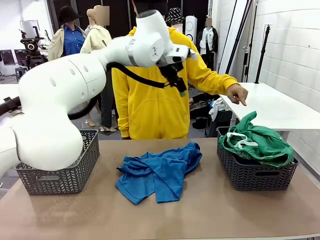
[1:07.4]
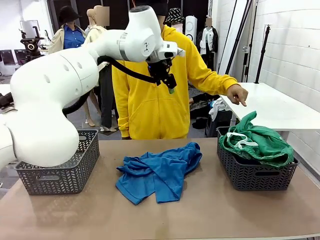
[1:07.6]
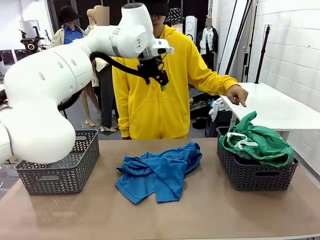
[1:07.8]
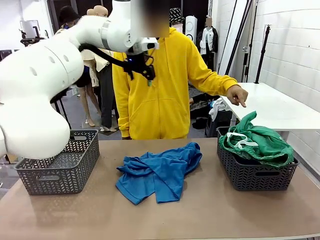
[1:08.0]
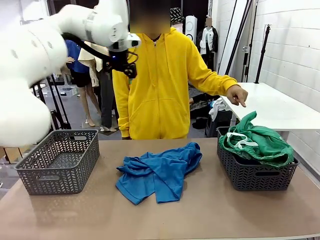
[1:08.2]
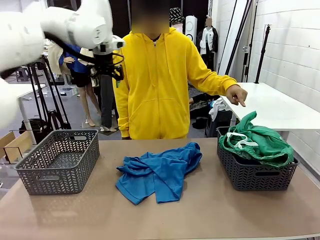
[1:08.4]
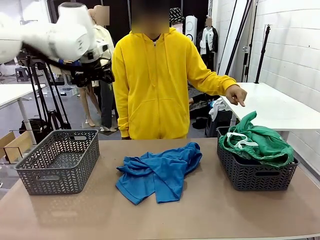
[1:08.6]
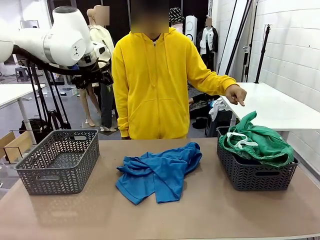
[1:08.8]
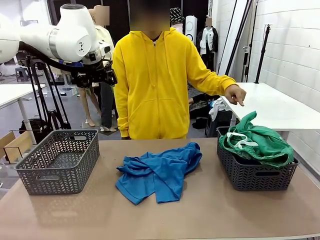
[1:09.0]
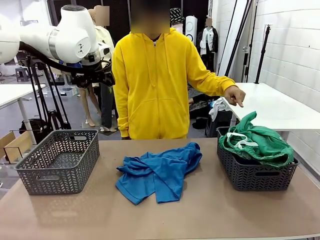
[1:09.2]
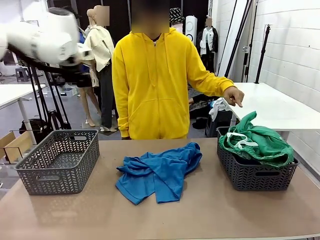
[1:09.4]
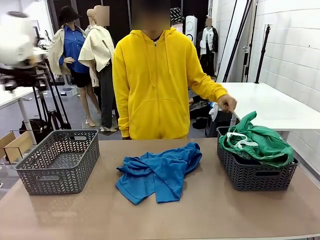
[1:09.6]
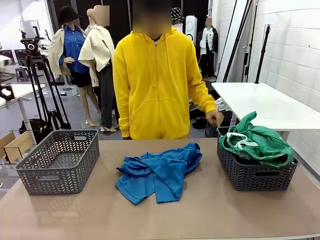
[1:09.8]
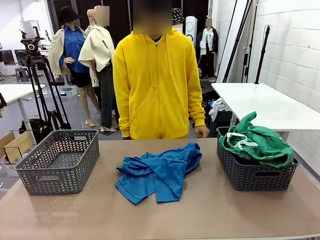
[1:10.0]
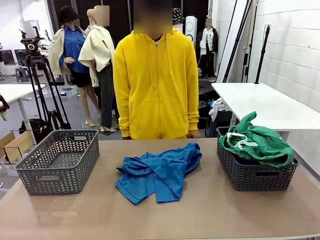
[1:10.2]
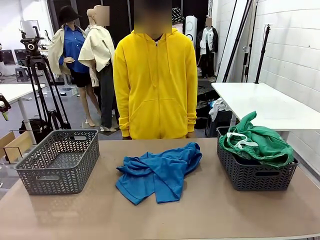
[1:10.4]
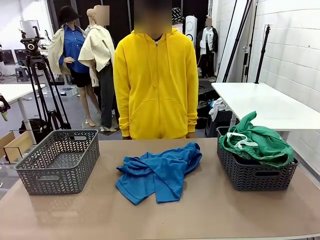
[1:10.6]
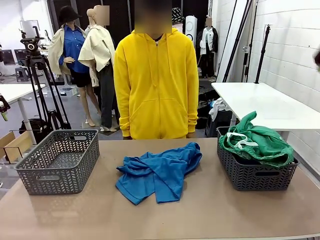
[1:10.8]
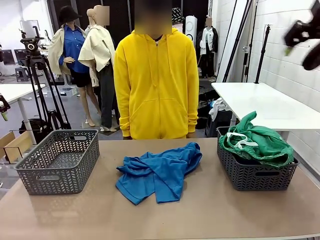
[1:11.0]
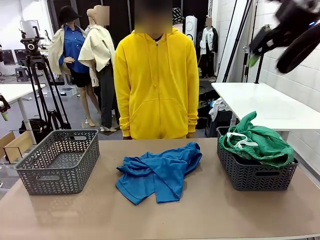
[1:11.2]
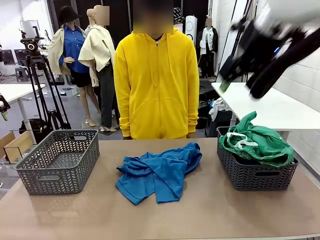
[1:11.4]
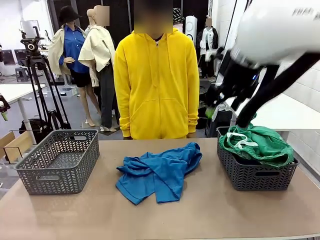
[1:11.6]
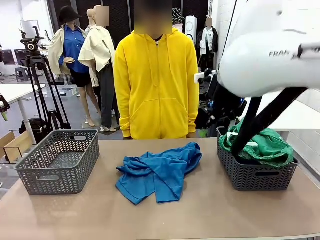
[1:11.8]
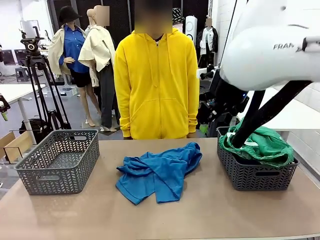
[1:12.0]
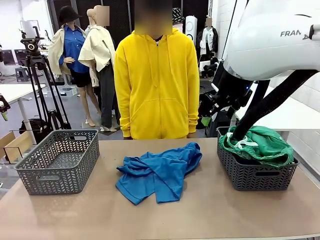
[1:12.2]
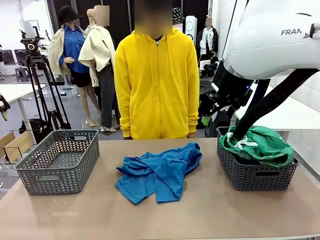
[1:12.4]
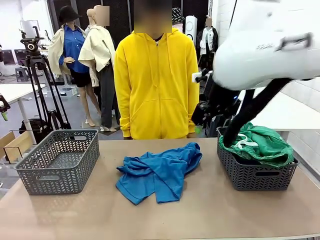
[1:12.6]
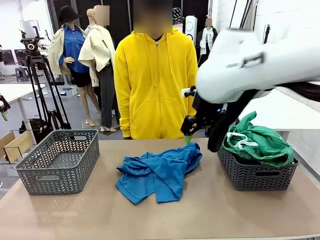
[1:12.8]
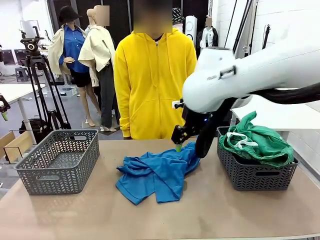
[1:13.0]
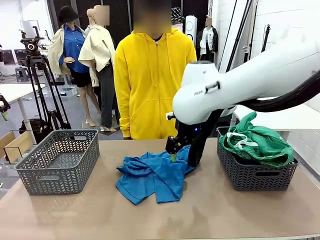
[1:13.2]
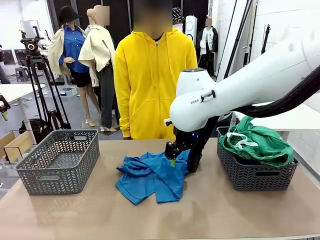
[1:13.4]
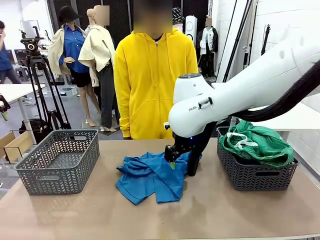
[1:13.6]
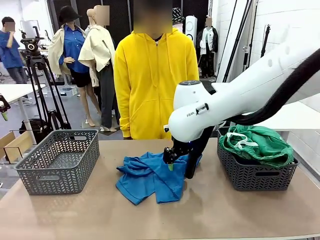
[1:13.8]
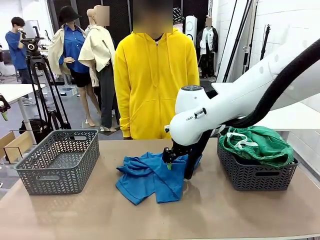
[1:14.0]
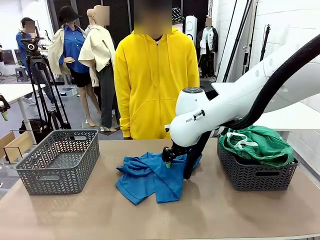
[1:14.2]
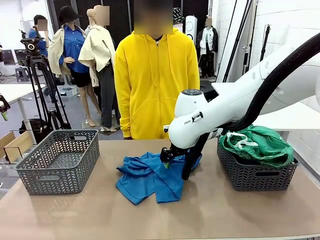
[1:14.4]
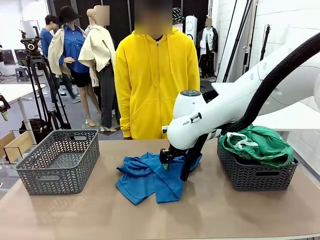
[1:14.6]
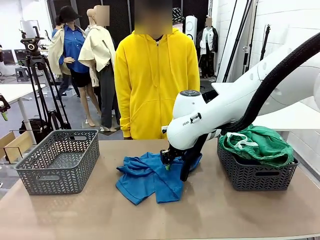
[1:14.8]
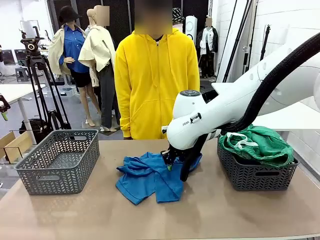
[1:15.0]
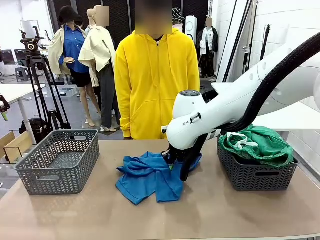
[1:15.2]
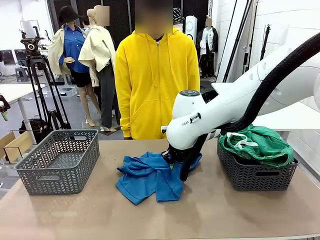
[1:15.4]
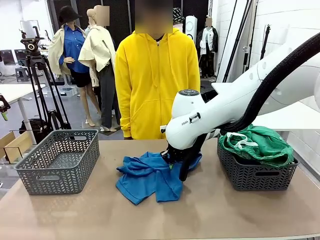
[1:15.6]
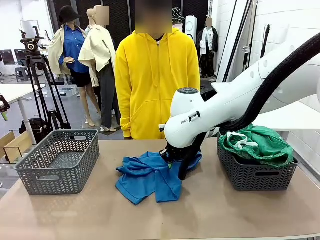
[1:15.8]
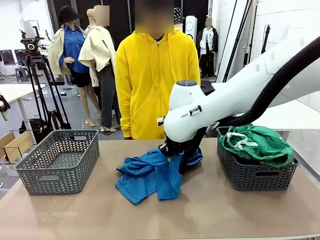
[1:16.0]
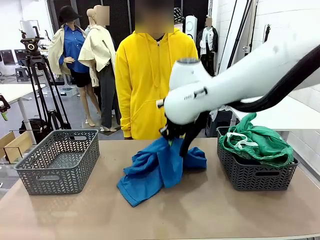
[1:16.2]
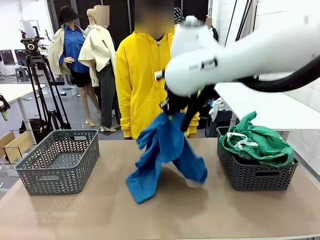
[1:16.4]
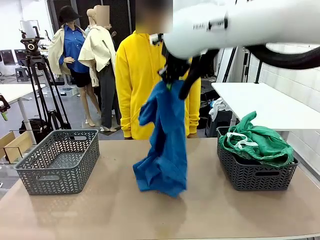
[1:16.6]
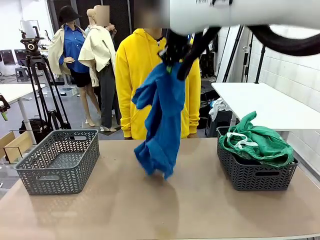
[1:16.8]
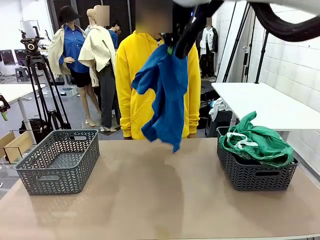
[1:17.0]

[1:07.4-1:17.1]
Task: Sort the tops and bottoms.
Robot: Lift clothes from the center of the table with your right hand.

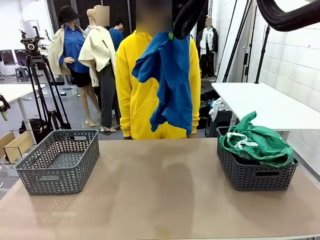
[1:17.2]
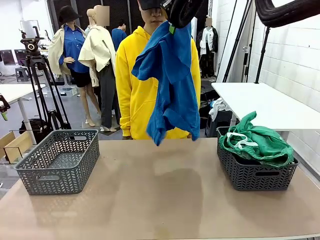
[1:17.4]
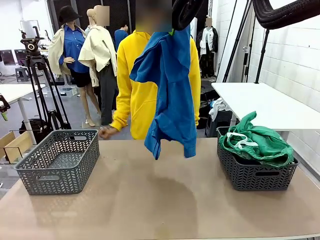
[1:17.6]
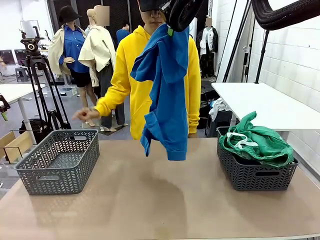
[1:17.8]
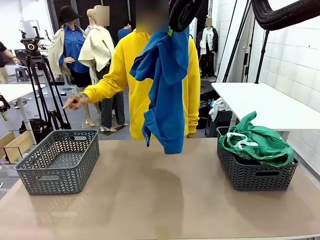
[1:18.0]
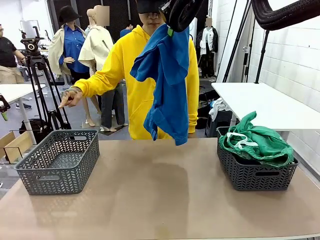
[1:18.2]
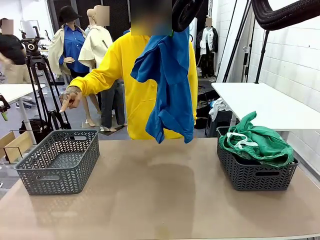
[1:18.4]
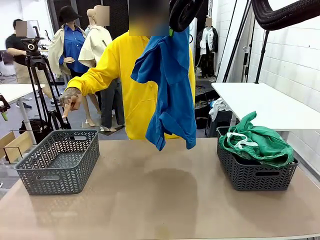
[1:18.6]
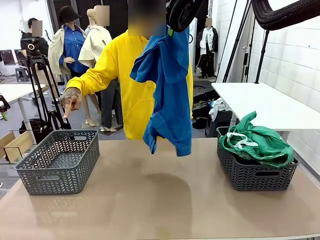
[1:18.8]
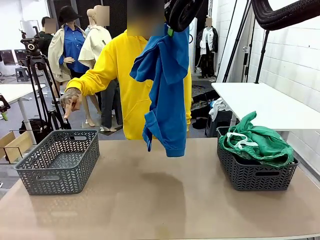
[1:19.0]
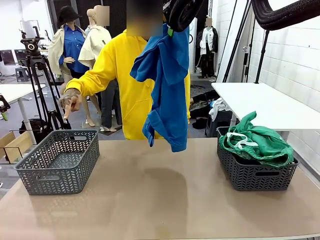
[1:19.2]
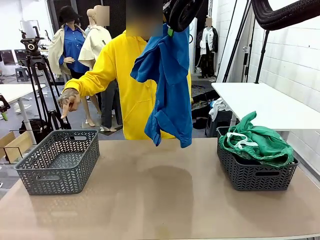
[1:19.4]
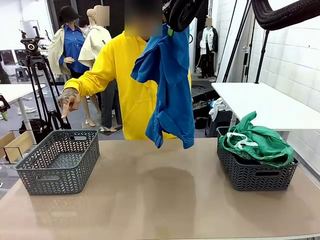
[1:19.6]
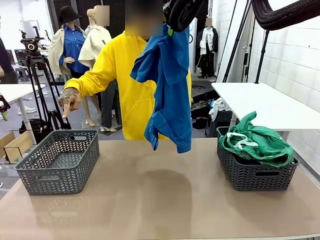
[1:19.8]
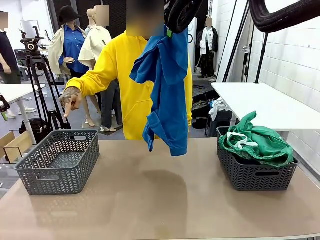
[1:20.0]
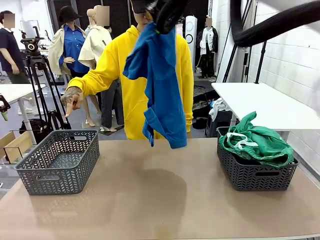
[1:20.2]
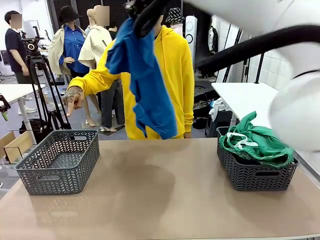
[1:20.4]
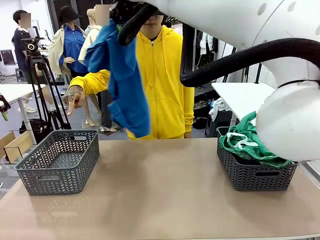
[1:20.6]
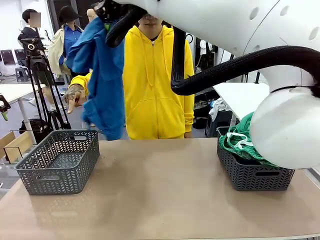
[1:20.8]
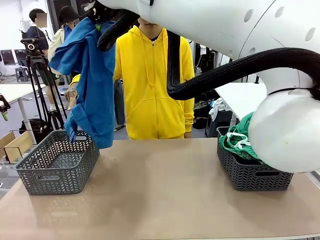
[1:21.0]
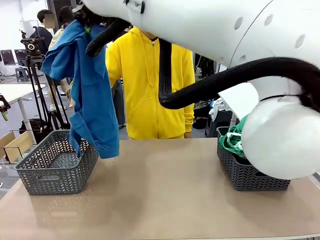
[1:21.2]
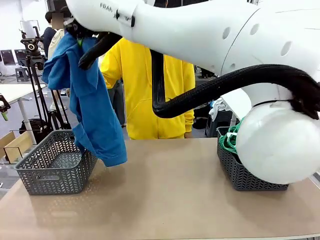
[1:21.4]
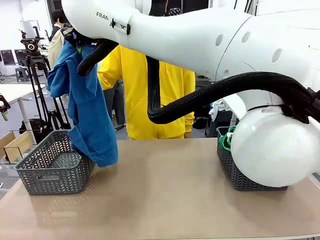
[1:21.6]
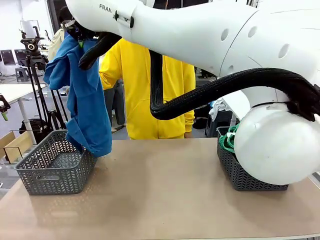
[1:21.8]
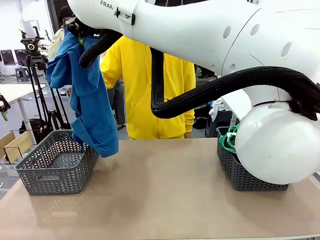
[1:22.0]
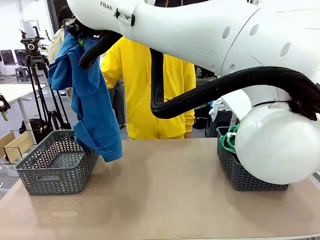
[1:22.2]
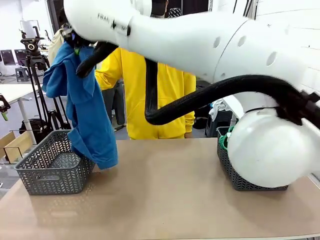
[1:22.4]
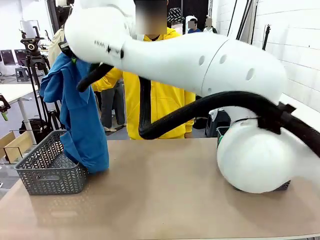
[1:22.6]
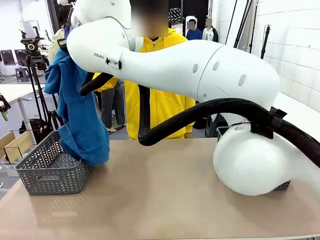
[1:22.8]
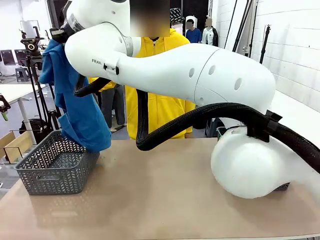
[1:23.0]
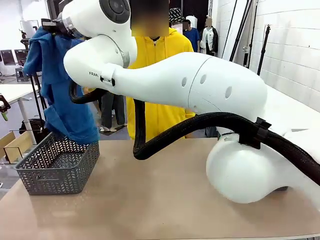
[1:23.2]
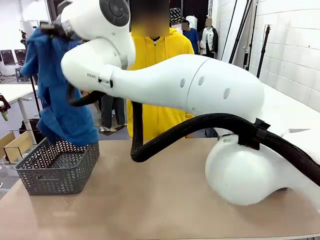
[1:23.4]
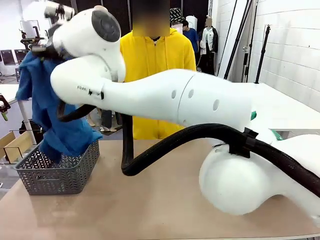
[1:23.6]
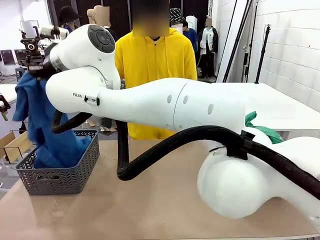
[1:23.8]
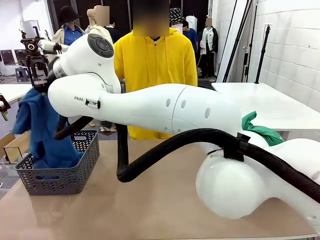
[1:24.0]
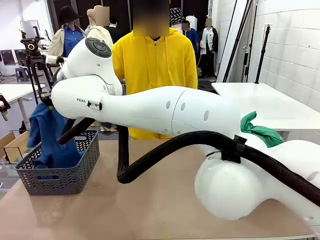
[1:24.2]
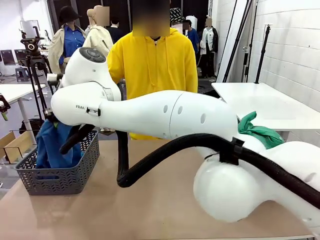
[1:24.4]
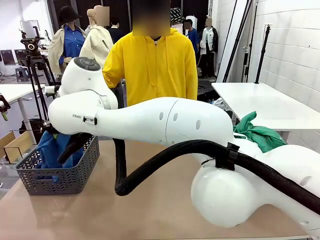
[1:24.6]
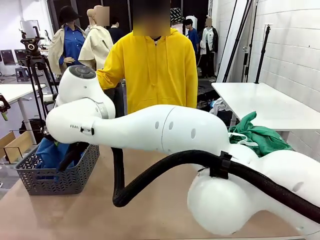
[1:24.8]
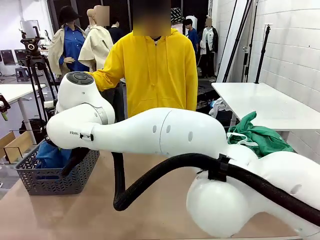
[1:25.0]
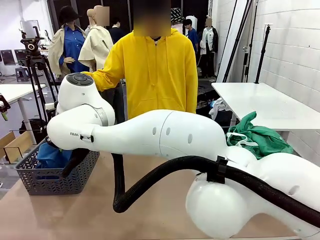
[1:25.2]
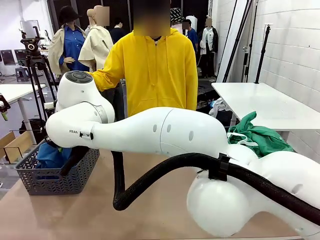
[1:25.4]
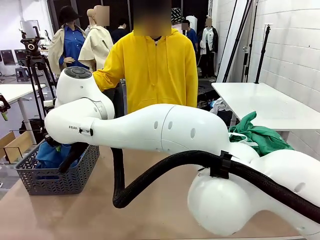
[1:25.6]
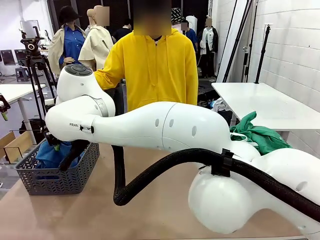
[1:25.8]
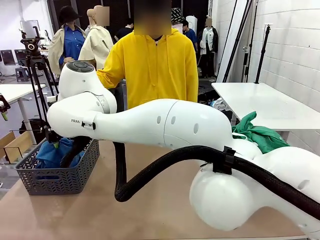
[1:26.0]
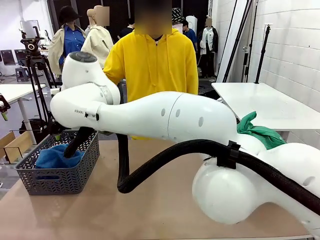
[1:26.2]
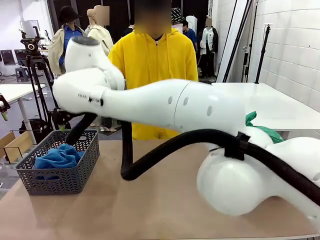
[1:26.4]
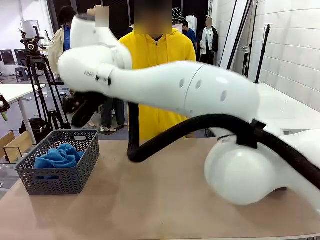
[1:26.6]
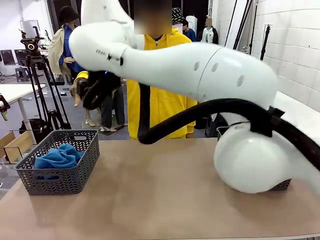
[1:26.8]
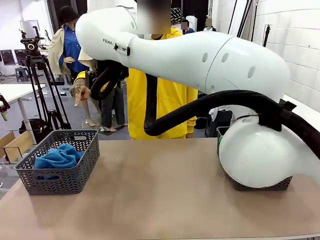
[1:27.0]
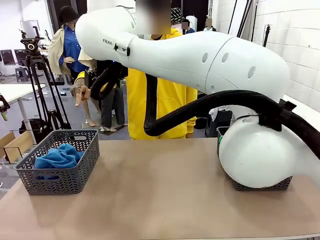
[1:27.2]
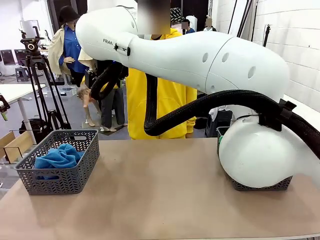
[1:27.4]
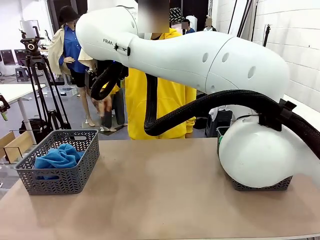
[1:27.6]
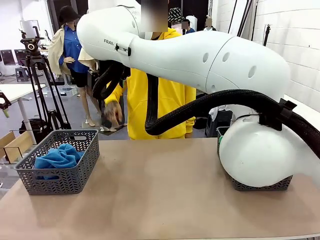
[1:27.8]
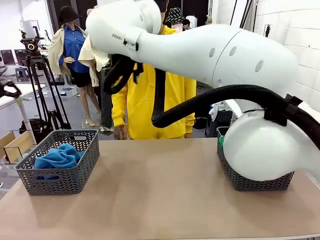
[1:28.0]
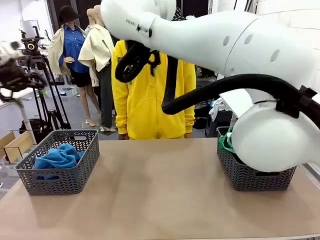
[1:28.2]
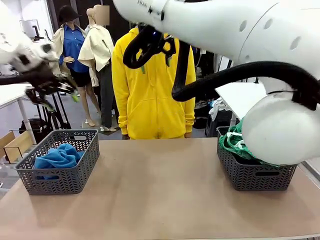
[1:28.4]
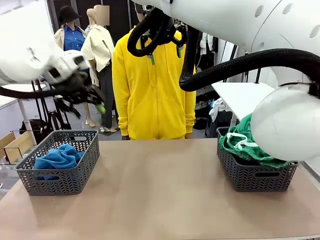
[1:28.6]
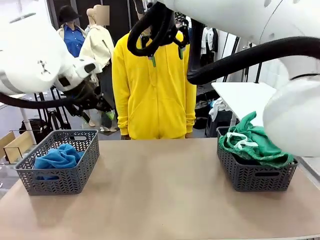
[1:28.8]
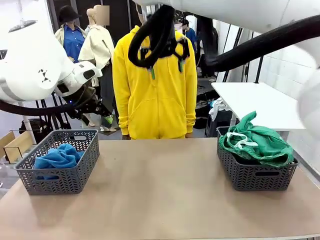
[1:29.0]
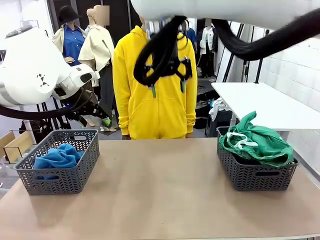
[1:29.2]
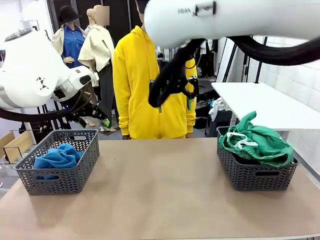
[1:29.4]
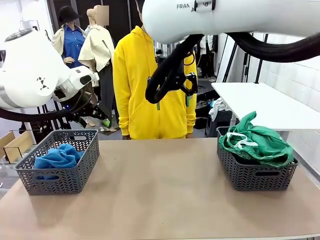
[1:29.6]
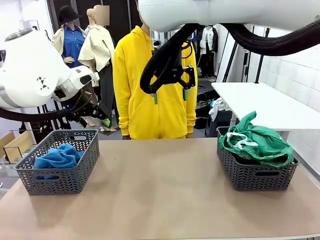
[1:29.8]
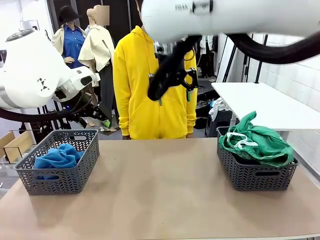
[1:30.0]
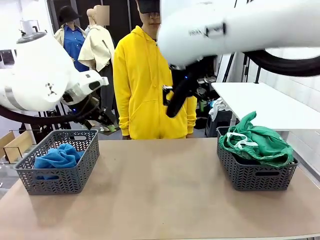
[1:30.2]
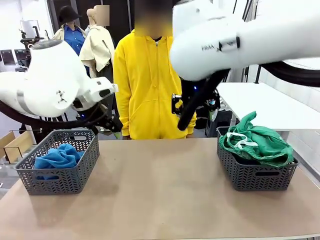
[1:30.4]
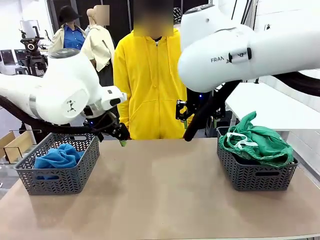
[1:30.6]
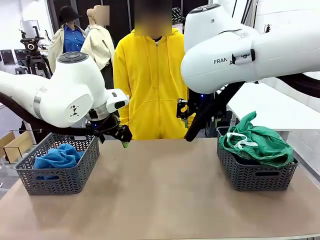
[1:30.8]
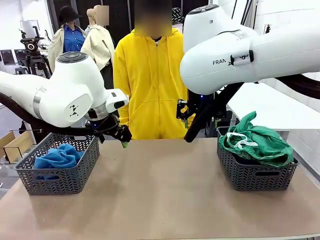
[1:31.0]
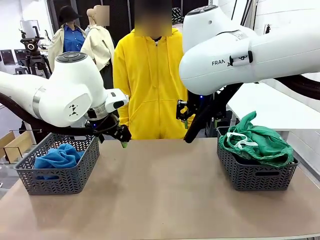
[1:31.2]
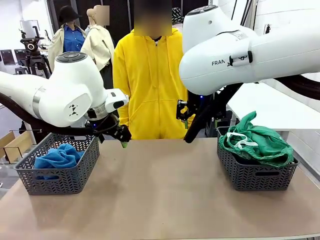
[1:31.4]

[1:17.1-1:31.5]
Robot: Sort the clothes according to human instructions.
